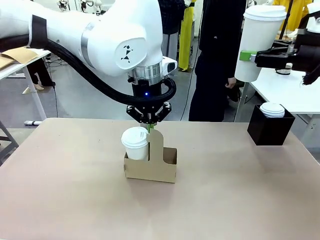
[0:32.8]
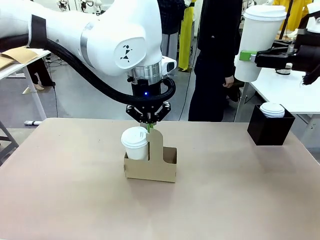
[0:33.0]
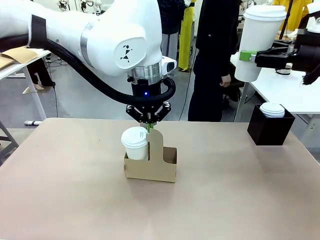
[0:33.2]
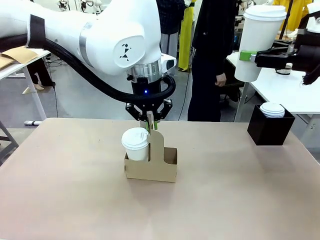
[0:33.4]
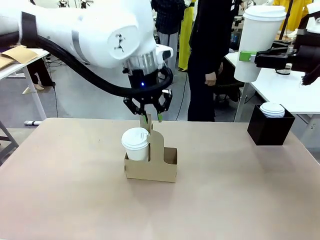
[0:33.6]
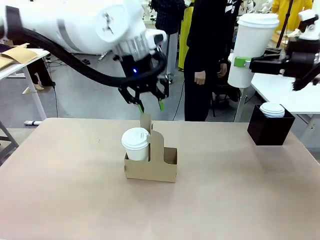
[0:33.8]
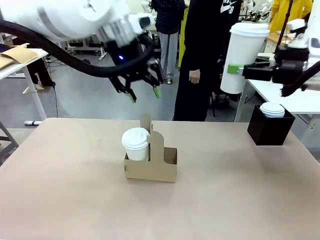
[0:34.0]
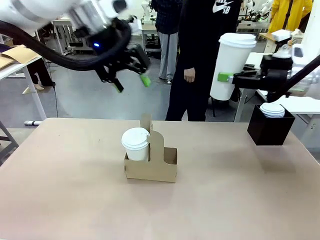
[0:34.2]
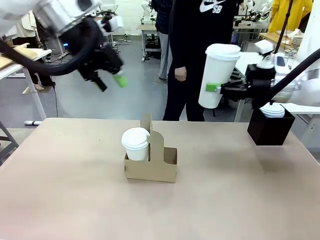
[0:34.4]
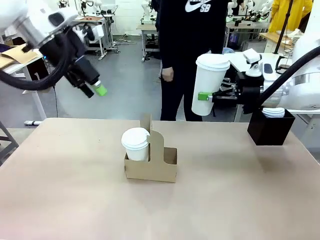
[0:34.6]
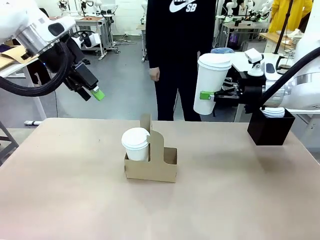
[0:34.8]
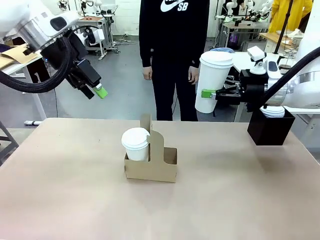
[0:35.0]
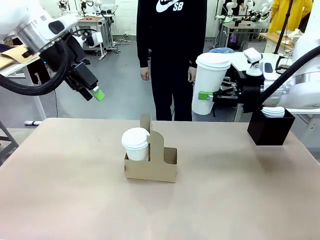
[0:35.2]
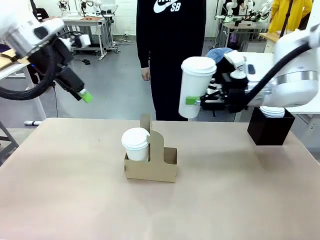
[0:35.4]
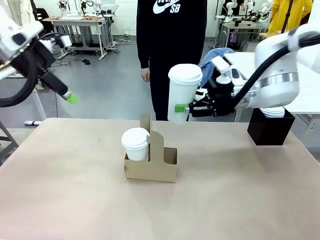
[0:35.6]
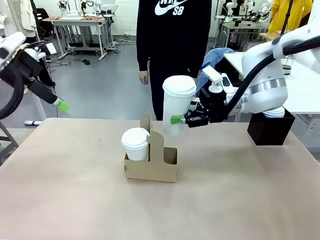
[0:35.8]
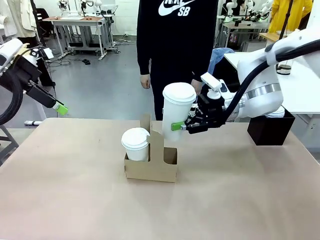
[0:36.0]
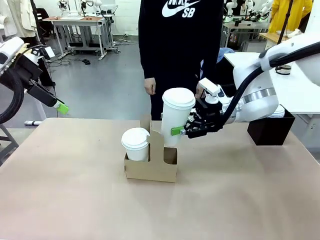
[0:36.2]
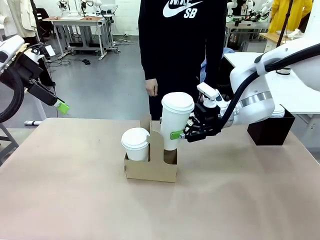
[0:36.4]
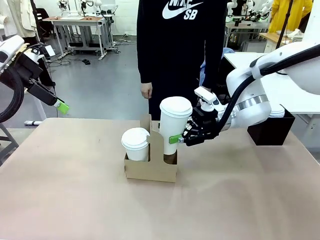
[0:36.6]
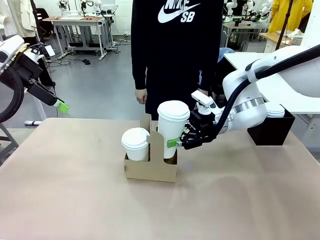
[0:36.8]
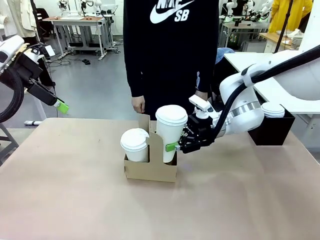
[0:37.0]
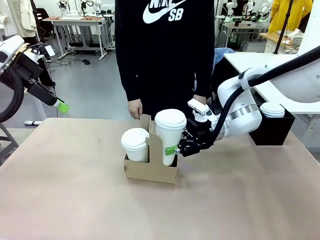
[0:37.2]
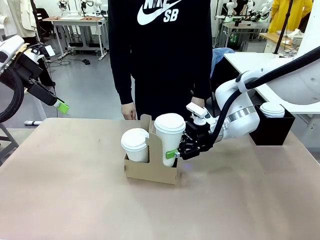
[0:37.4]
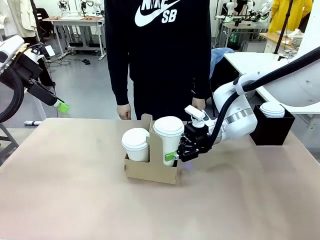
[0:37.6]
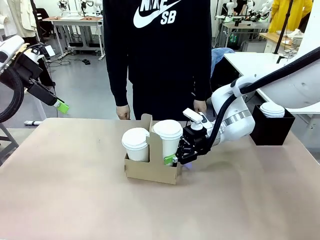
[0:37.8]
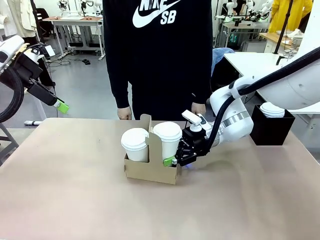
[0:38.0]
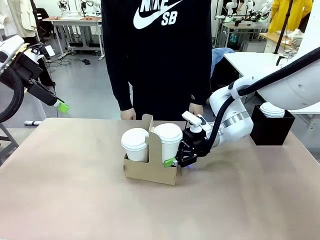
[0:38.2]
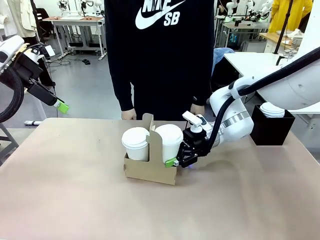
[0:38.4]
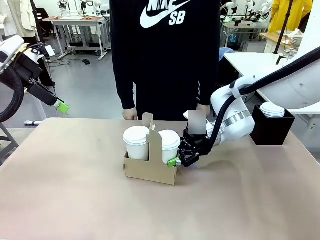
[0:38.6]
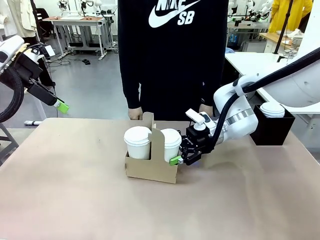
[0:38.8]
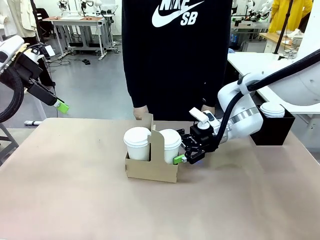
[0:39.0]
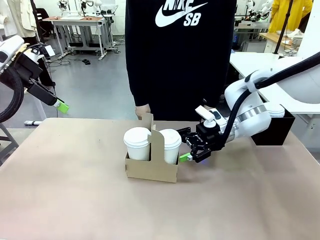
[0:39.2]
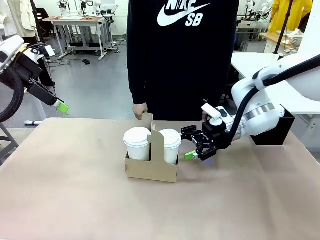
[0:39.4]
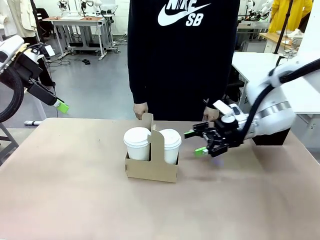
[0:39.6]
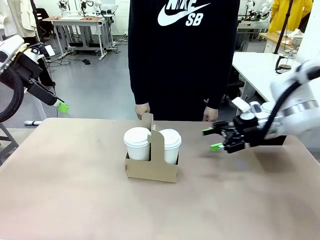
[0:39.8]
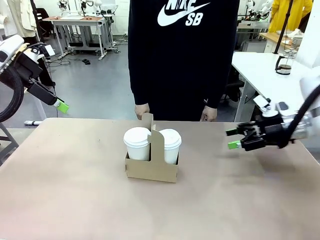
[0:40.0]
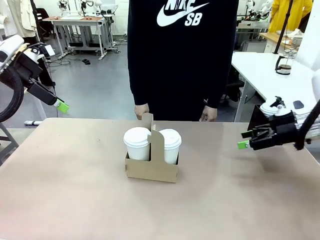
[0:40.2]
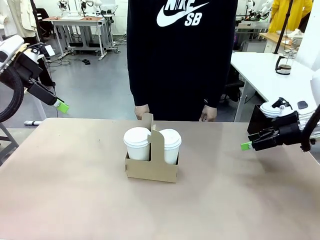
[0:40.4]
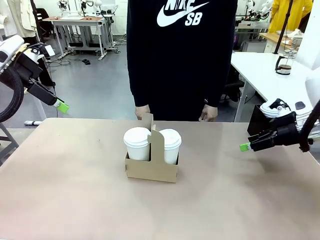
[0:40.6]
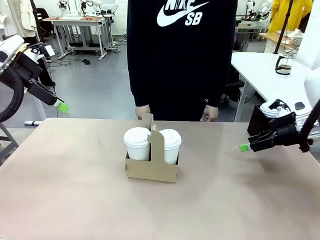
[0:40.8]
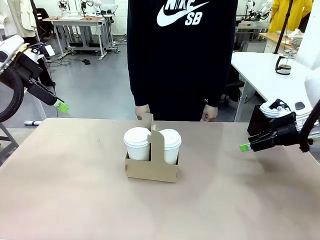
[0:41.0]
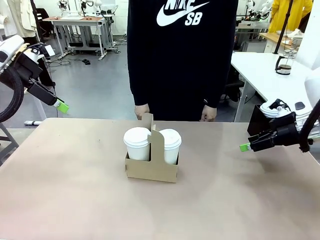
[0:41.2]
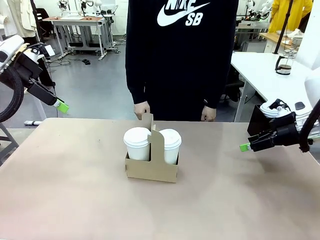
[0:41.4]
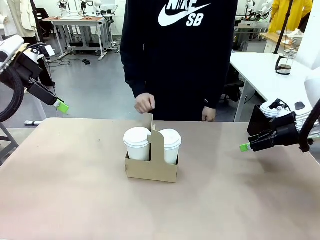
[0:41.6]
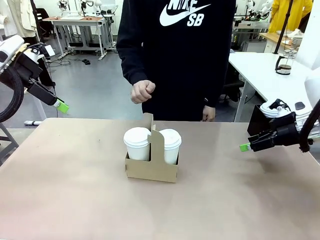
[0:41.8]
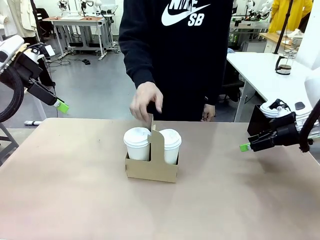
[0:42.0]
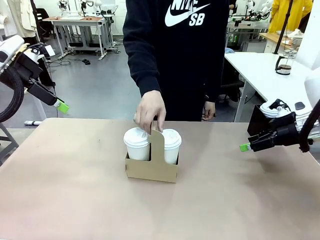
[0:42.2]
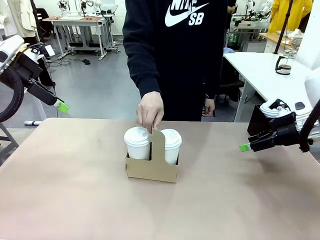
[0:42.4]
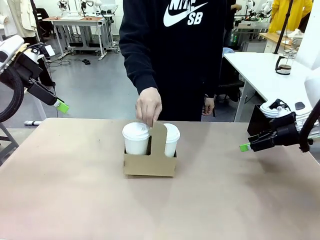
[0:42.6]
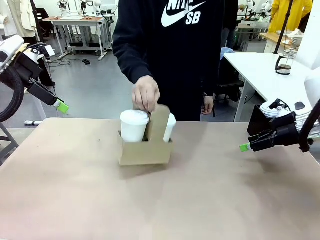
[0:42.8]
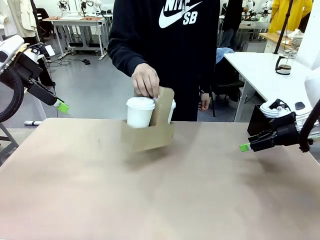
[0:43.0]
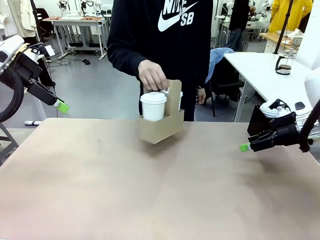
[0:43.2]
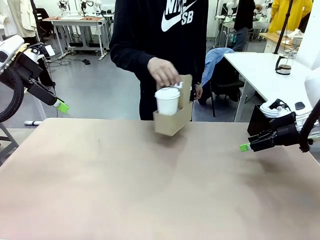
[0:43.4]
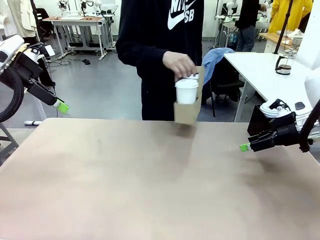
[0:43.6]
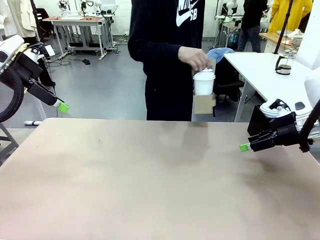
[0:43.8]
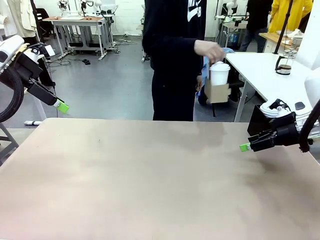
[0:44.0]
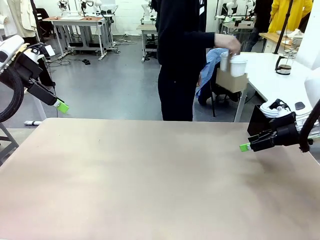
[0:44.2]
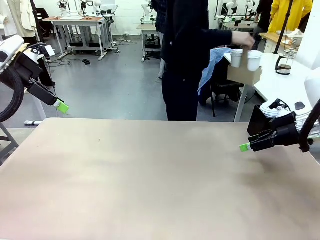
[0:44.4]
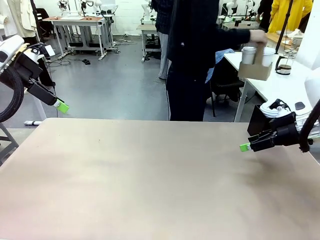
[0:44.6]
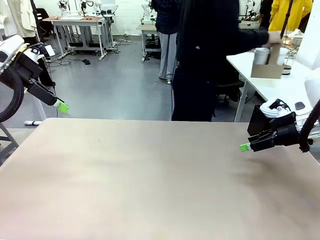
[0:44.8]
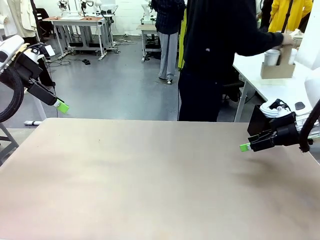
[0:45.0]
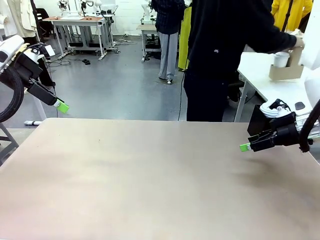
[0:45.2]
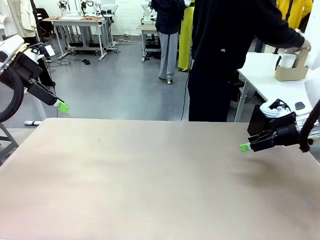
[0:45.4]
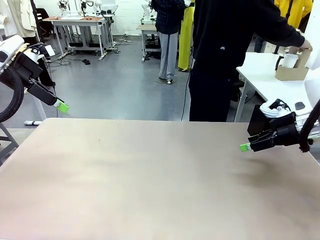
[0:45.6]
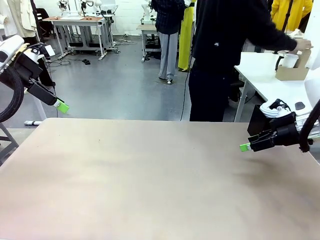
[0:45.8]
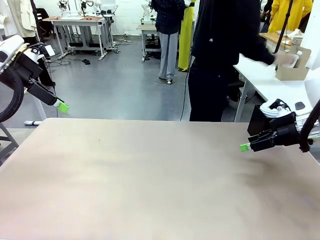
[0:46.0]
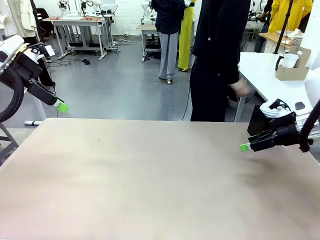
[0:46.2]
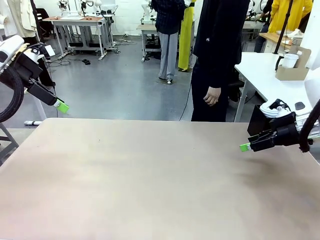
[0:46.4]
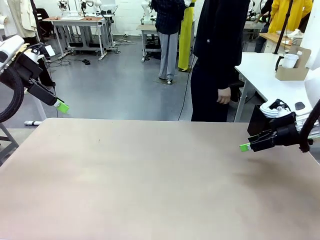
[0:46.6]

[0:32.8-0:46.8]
Task: Pour a drink into a cup and package it in a carrier.
Robot: Insert the held 600 ml Paper Cup into the Cup Carrier.
Person: Place the Cup Carrier to the middle of Human table.
